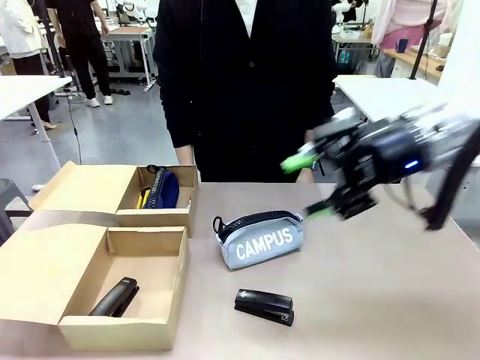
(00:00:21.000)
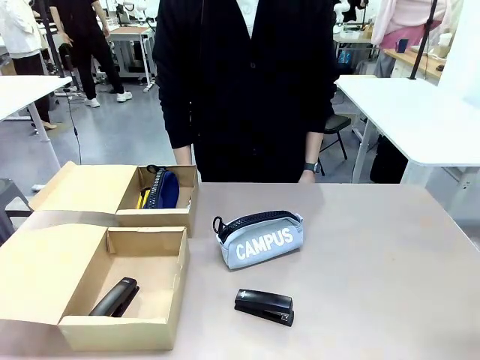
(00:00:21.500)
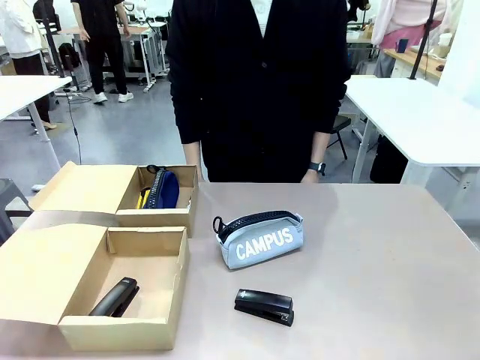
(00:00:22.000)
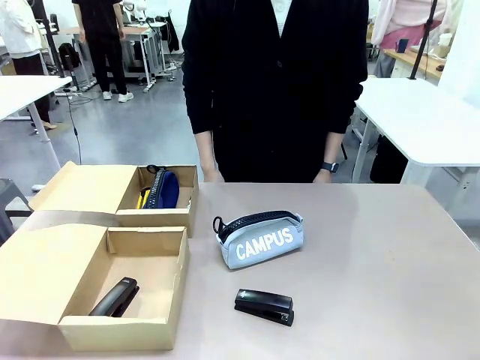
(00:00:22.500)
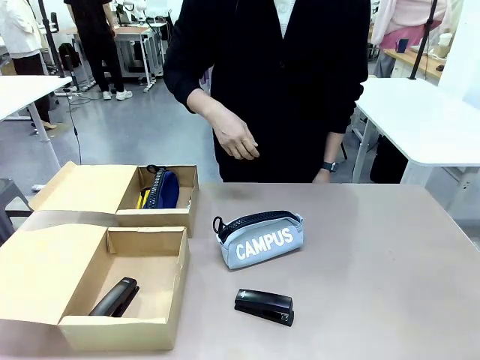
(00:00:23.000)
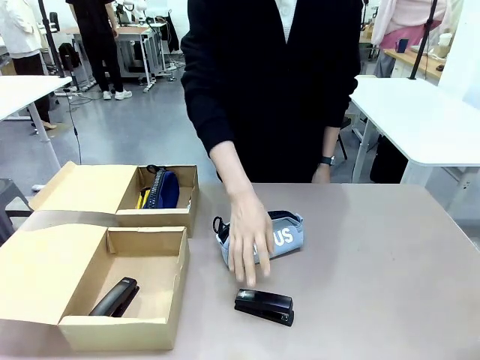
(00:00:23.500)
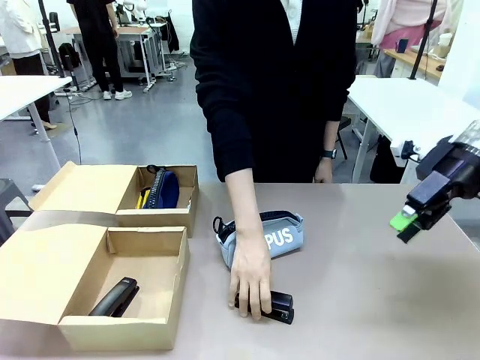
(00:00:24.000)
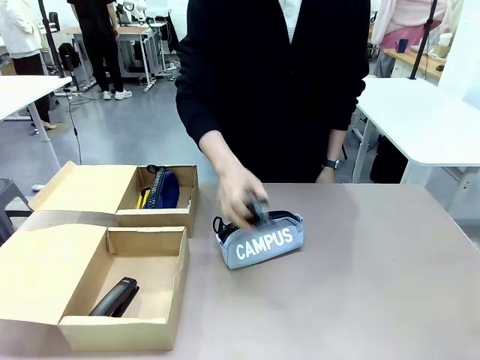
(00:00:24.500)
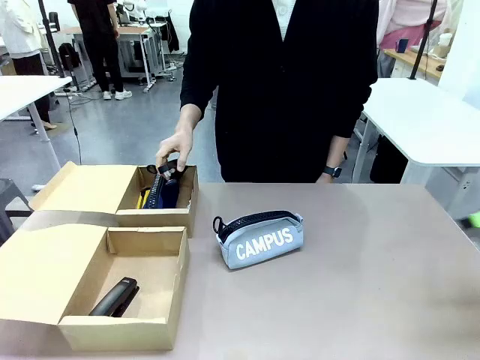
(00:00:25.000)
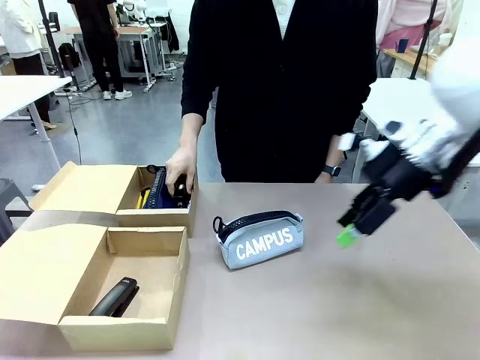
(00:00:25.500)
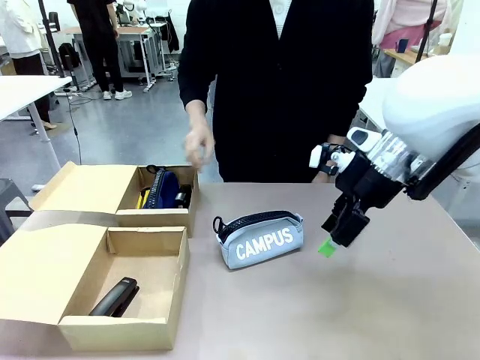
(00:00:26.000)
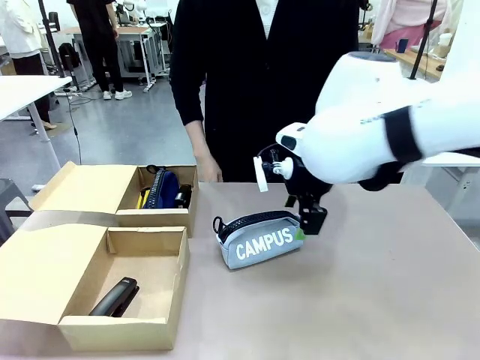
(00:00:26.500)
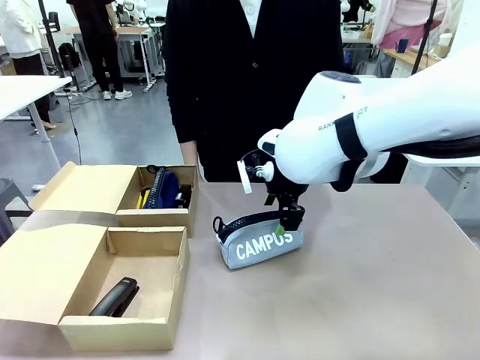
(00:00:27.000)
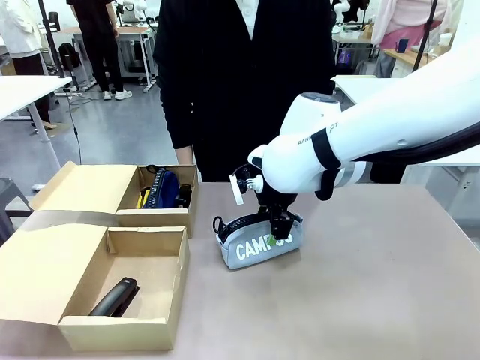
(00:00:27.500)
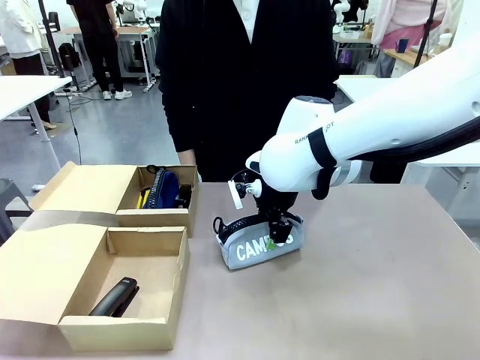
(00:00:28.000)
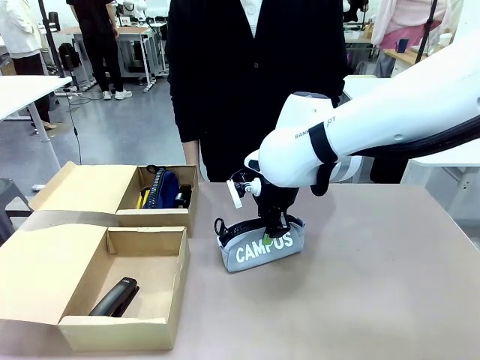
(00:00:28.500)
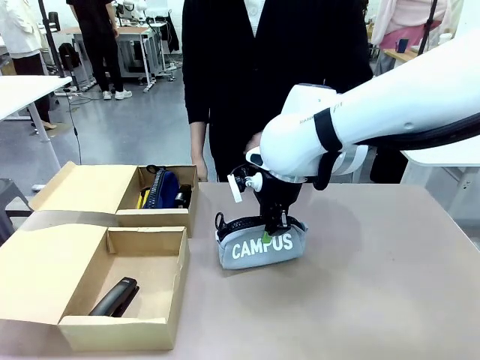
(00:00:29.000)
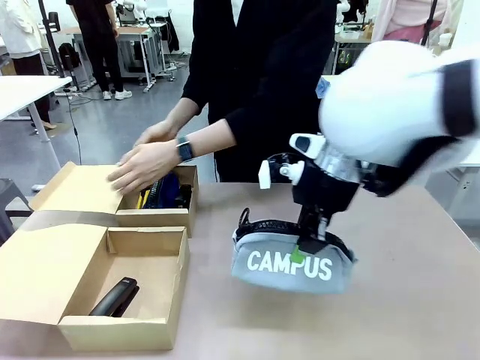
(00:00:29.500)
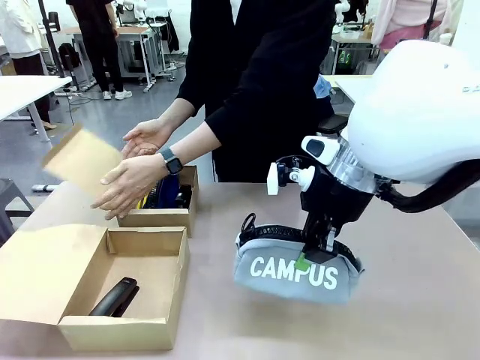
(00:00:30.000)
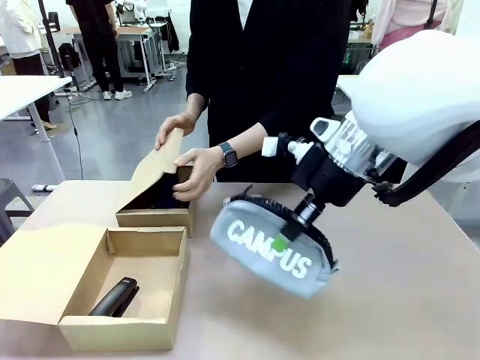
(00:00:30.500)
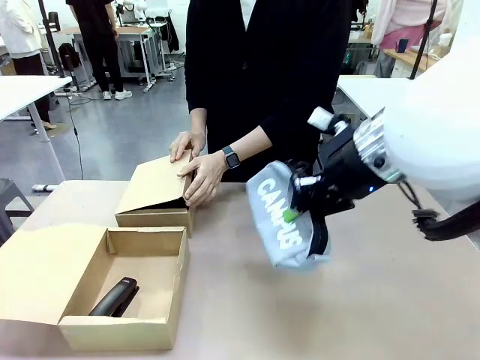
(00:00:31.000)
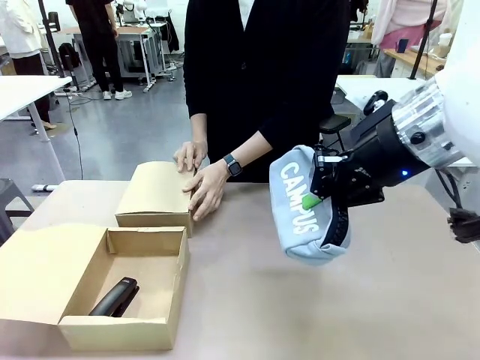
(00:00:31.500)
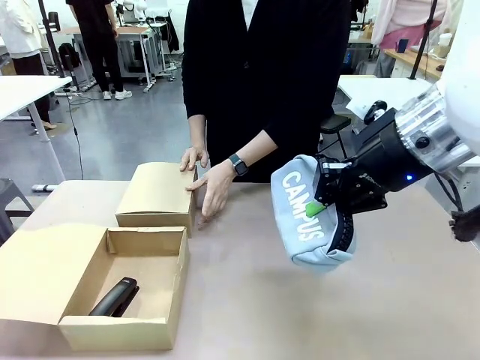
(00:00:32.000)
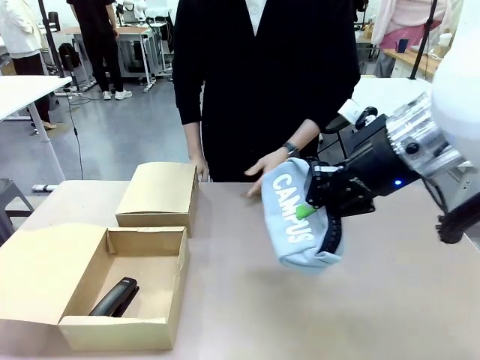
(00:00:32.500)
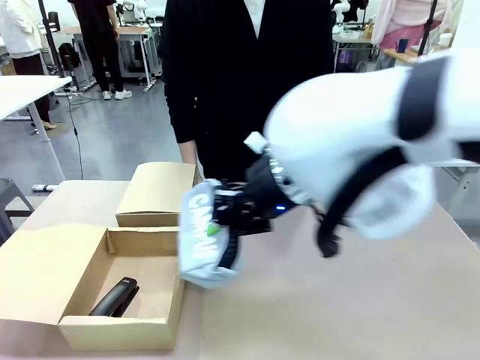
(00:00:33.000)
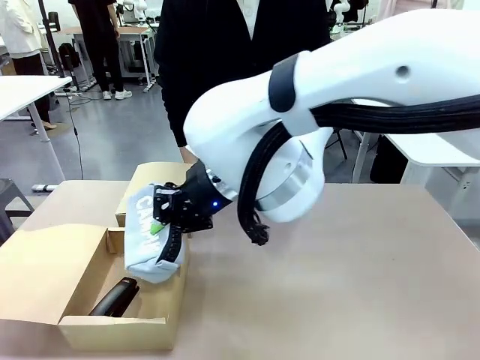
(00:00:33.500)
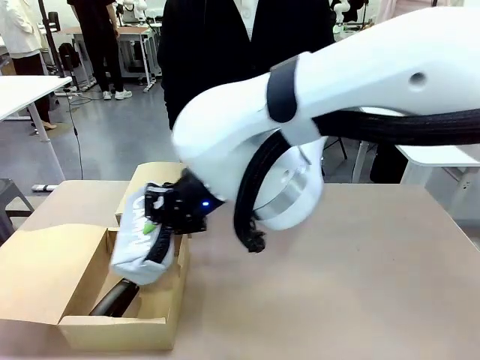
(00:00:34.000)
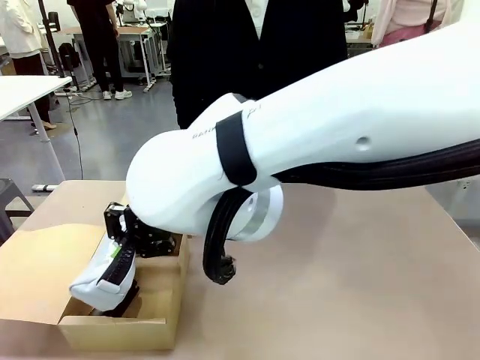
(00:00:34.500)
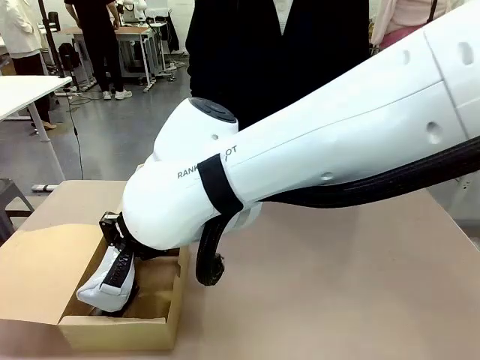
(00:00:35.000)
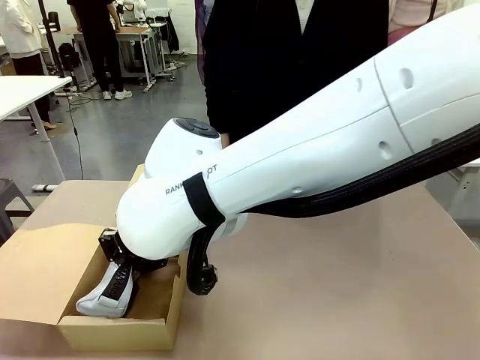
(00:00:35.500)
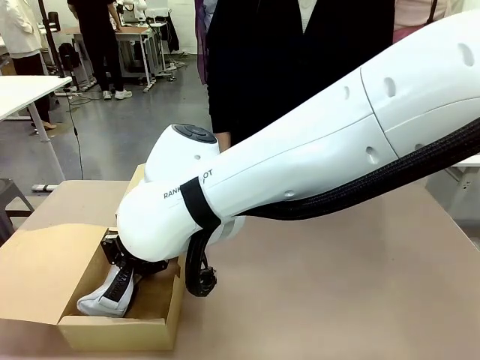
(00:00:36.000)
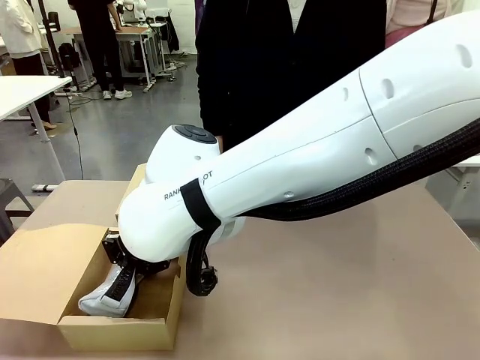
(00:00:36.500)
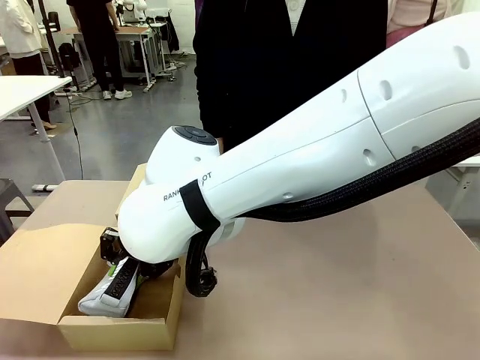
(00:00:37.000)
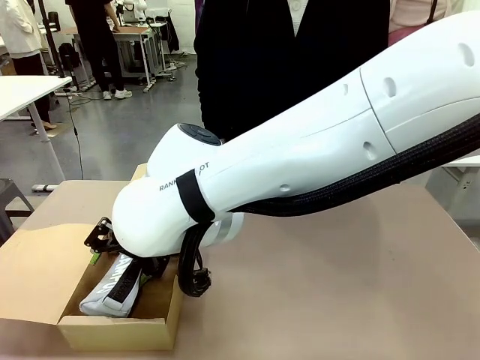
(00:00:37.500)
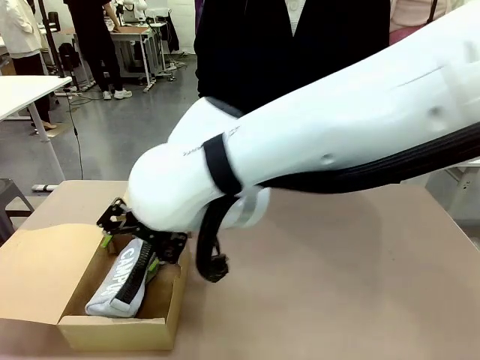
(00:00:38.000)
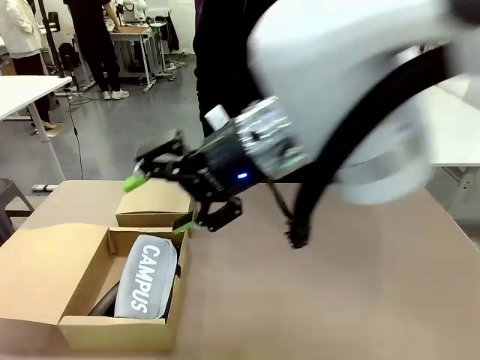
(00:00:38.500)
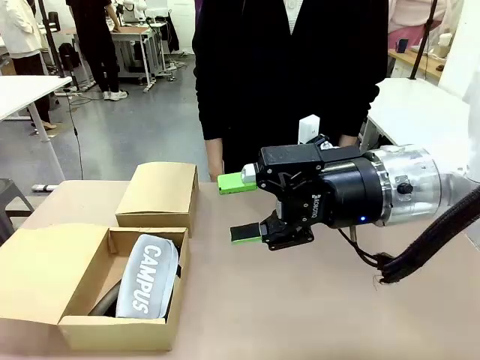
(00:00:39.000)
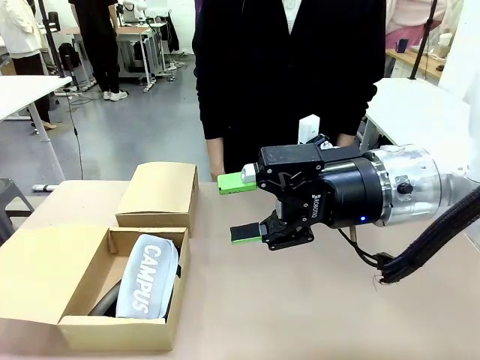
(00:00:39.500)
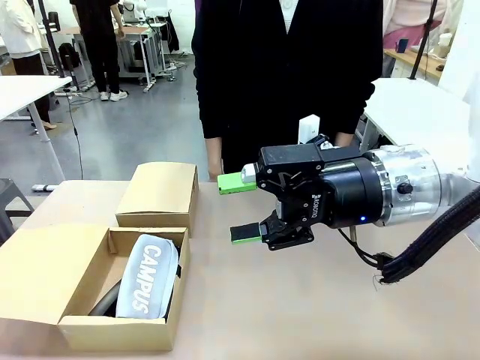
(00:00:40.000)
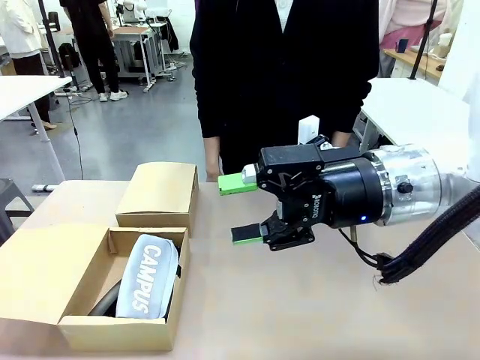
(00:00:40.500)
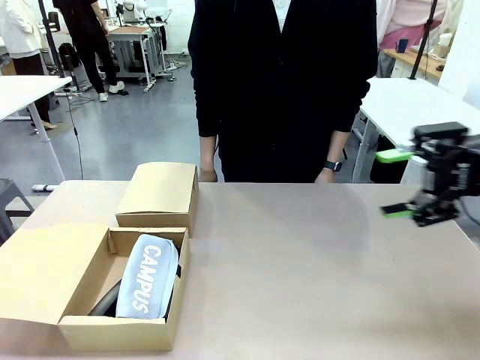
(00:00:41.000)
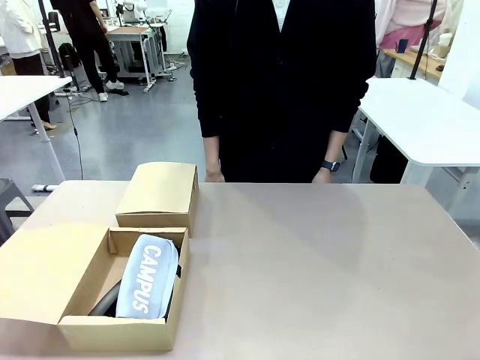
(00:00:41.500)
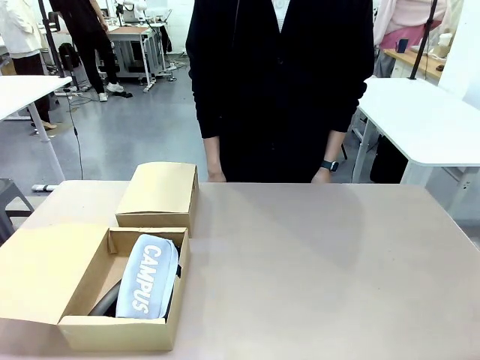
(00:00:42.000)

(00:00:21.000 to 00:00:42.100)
Task: Place items inside the box.
Robot: Pick up a Pencil pouch or Stapler and place it inside the Mailer Box closest to the robot.
Person: Close the lid of the box facing the person.
